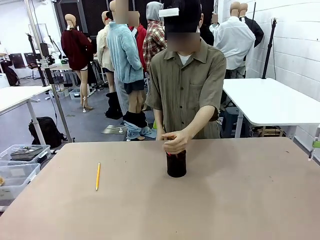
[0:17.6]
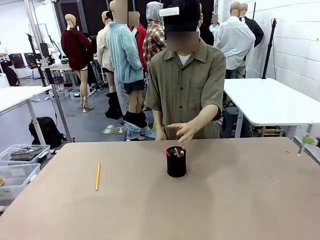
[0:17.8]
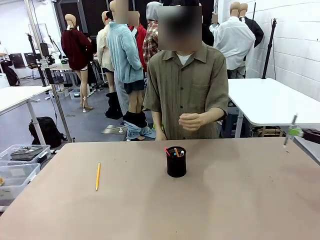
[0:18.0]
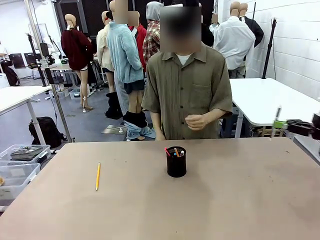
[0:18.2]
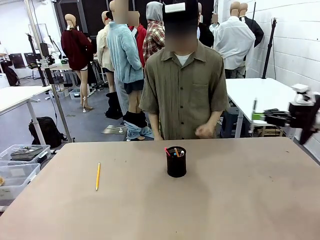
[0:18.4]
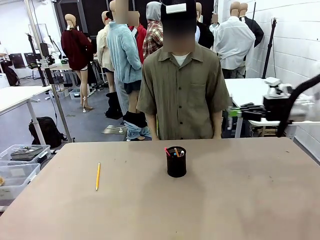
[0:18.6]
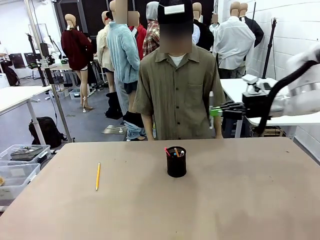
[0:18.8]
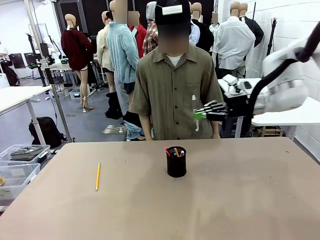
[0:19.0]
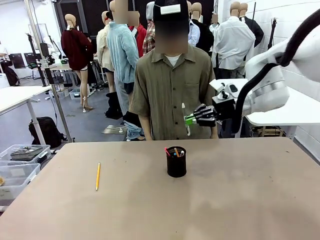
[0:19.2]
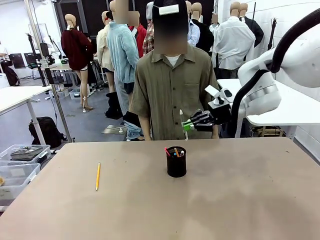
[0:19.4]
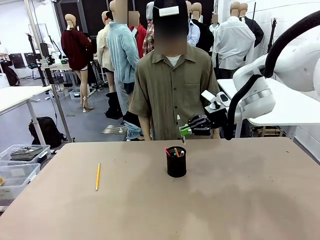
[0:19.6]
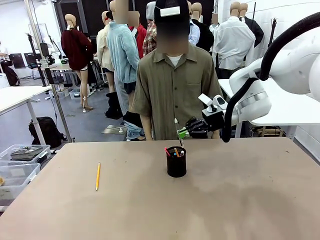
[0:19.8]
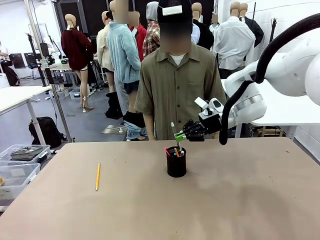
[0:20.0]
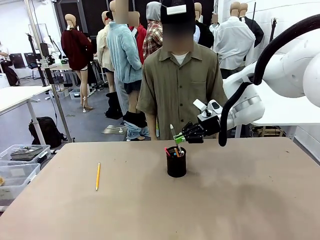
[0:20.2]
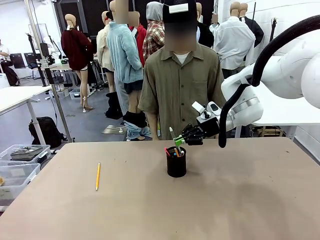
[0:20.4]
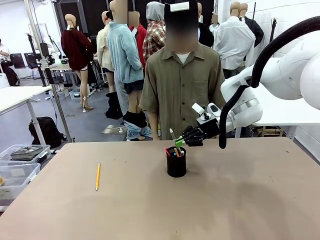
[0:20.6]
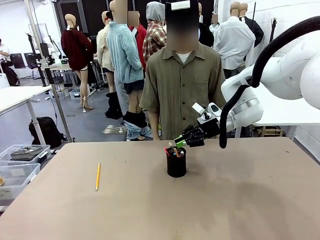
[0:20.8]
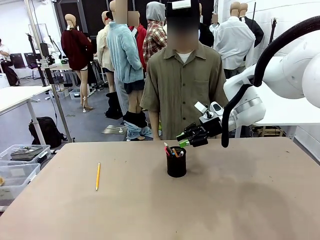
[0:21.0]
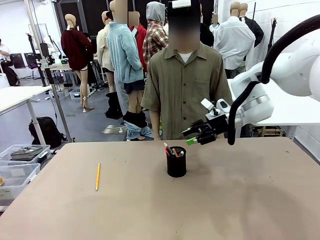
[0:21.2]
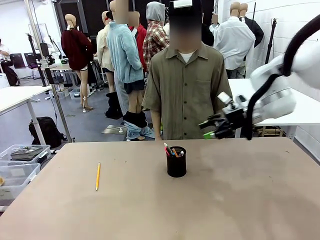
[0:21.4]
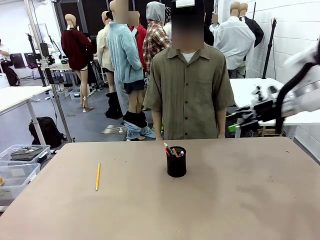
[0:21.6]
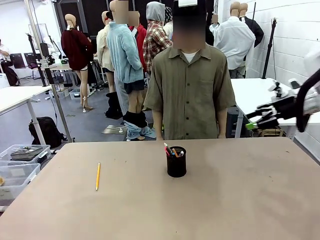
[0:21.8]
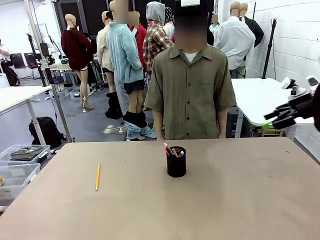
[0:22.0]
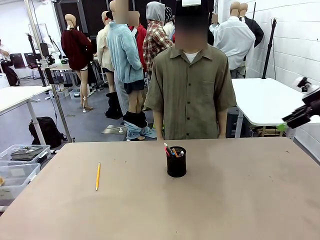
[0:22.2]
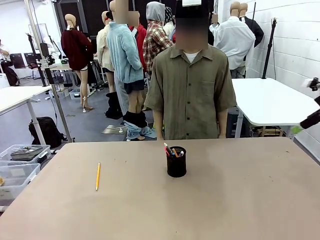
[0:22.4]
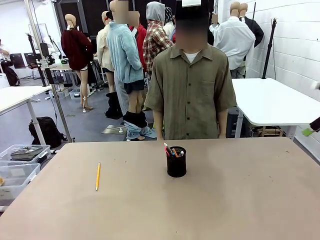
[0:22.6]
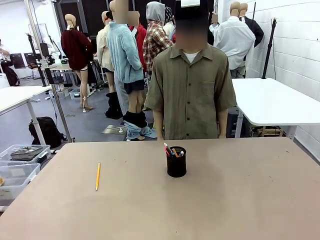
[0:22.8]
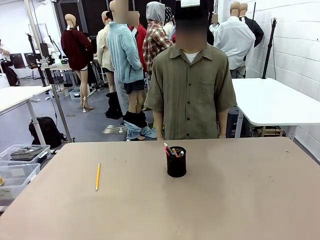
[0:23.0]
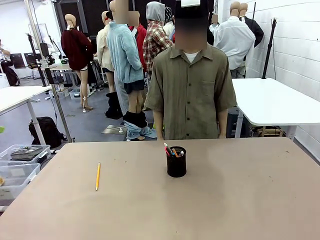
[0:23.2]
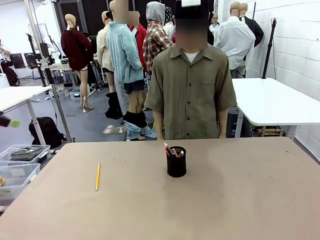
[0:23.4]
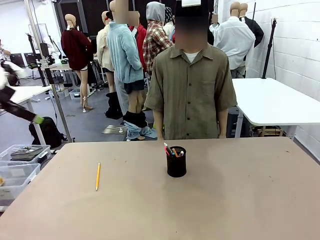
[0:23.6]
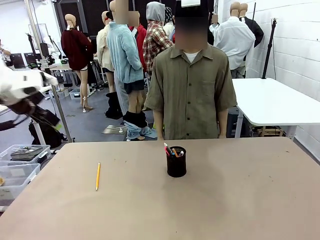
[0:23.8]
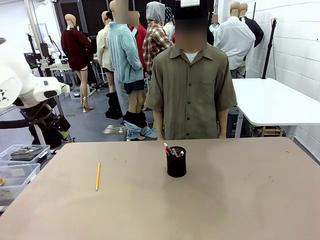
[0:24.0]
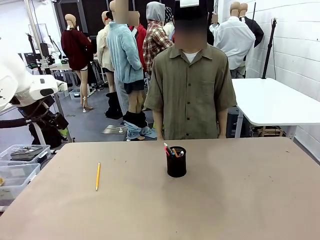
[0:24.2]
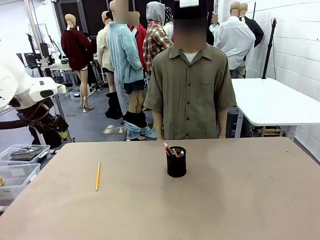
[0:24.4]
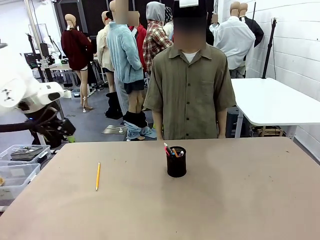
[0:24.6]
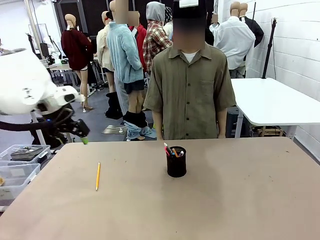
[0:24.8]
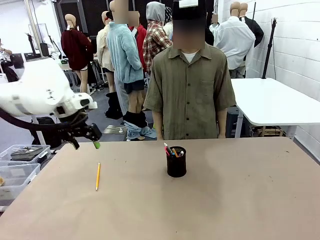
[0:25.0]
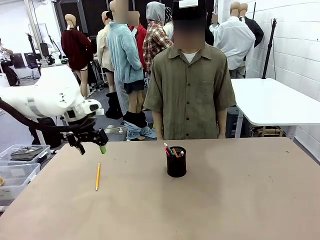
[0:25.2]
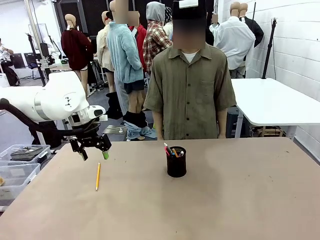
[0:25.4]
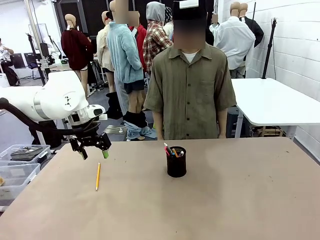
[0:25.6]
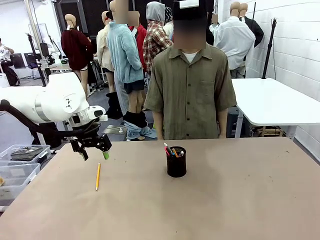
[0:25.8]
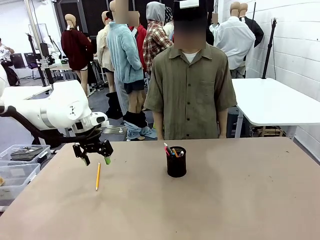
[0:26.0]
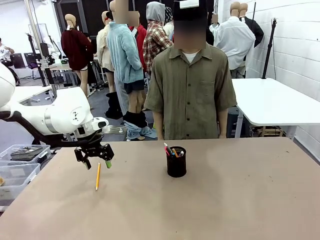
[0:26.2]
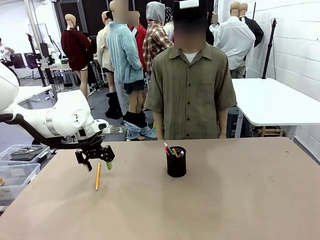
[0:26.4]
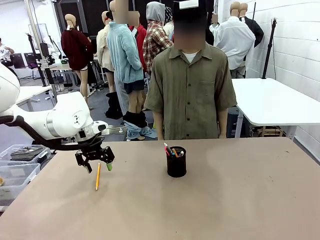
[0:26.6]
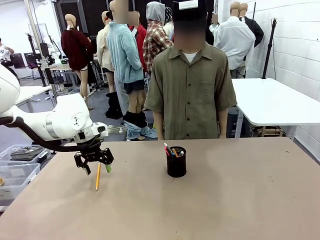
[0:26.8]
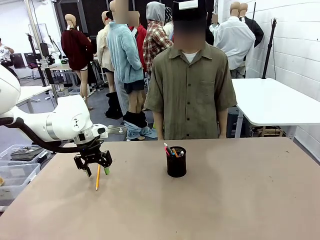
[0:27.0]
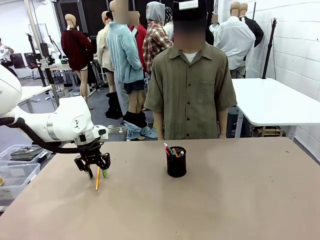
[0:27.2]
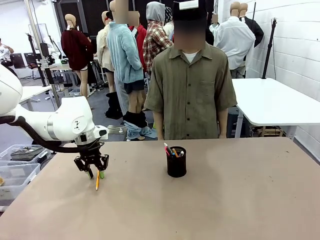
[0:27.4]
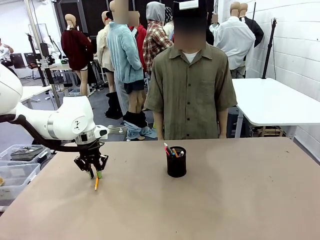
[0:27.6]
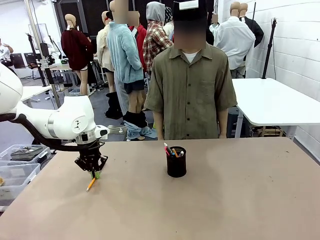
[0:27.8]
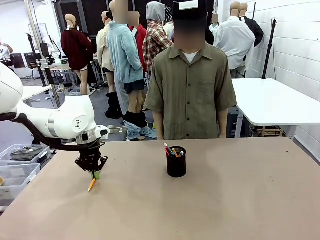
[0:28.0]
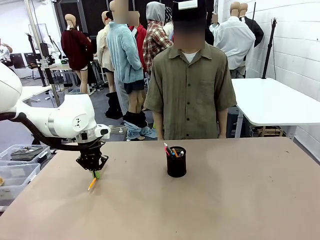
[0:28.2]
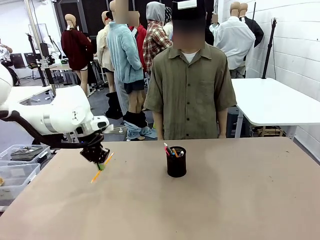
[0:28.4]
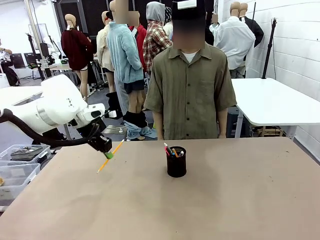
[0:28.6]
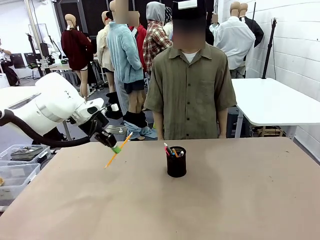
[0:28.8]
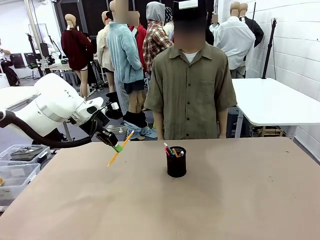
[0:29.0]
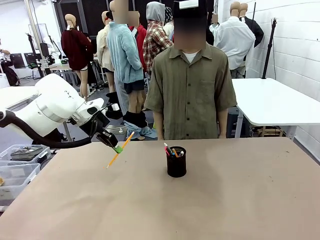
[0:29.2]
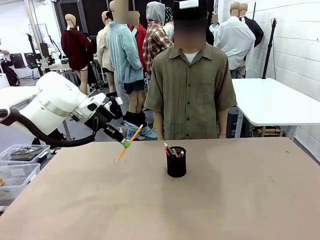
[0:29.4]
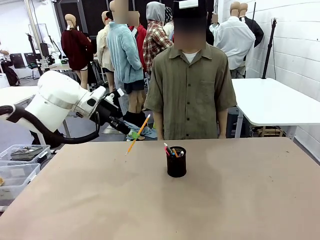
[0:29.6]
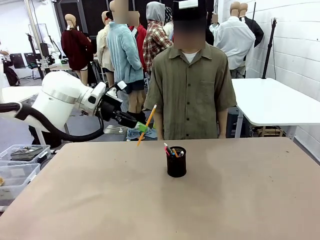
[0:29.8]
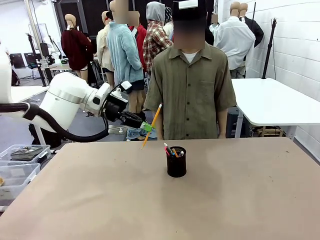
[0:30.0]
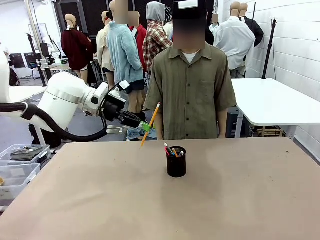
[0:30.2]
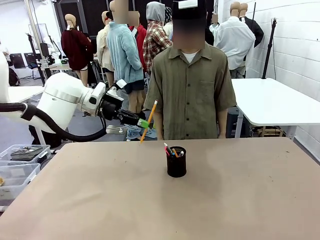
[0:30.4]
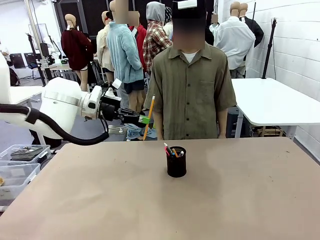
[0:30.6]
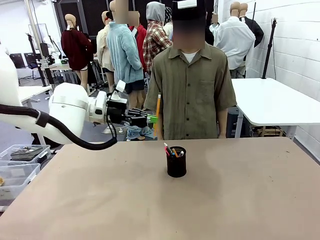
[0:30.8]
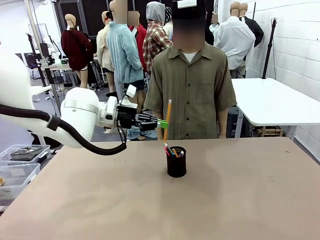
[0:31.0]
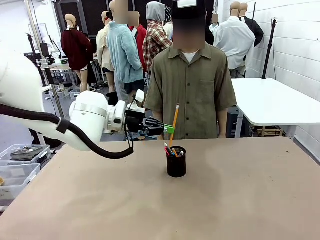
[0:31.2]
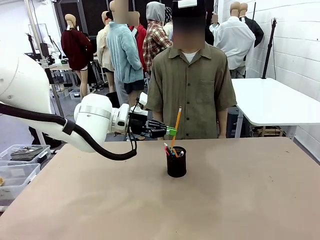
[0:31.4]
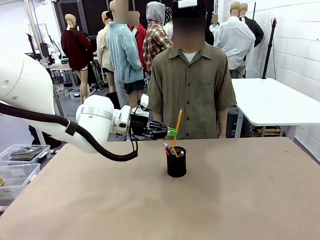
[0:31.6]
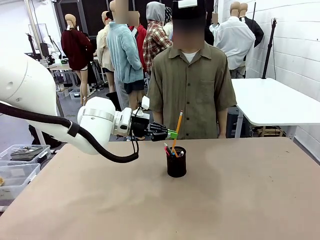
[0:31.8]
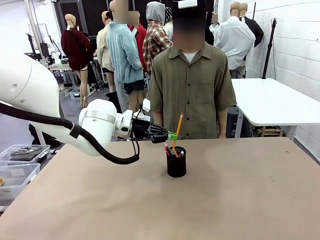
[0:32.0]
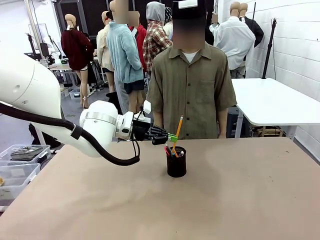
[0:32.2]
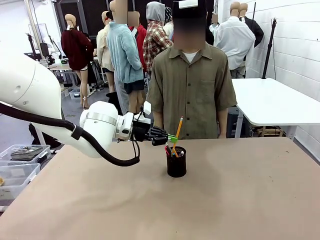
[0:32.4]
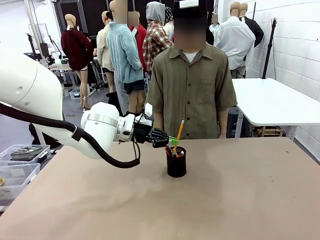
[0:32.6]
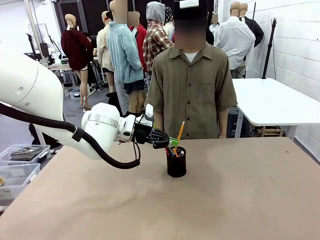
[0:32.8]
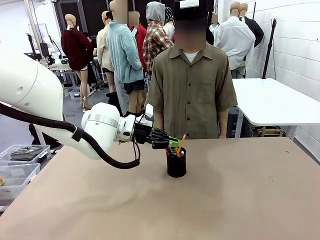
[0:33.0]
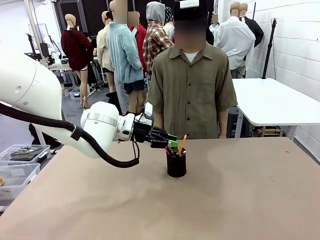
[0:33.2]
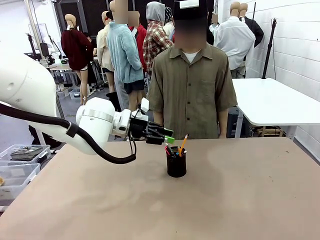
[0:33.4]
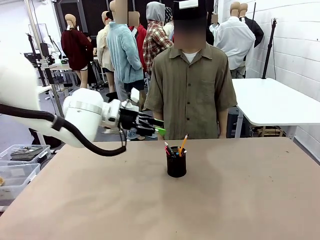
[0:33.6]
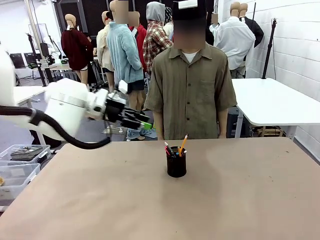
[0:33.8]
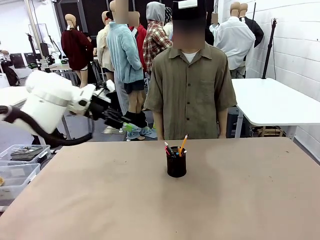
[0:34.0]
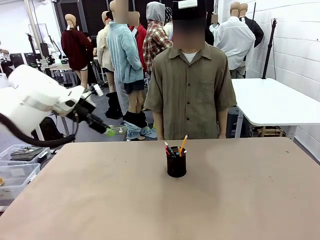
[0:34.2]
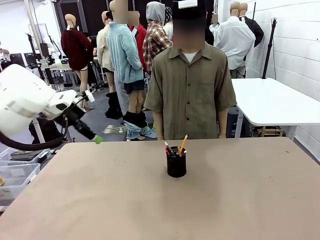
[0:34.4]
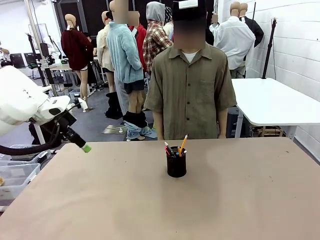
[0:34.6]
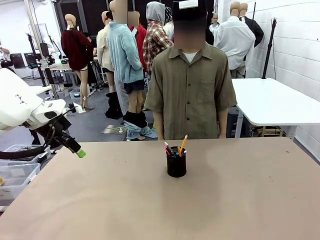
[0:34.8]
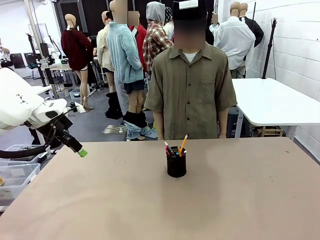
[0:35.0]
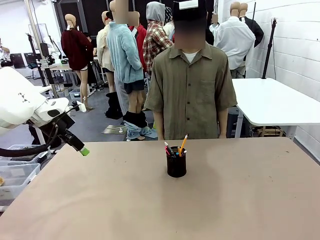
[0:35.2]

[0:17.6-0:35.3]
Task: Place the pens into the pen holder.
Robot: Pick up a writing instrument from the table and place it into the Pen holder.
Person: Place all writing instrument into the Pen holder.
